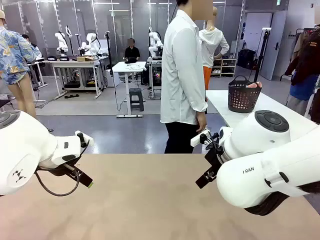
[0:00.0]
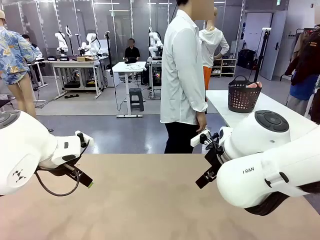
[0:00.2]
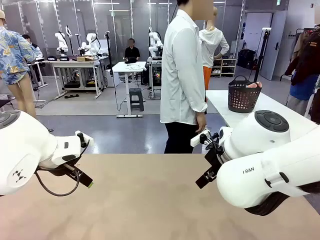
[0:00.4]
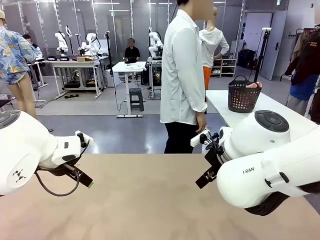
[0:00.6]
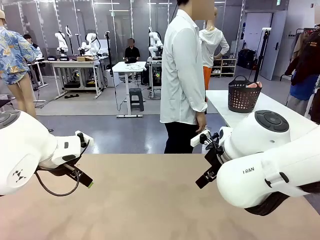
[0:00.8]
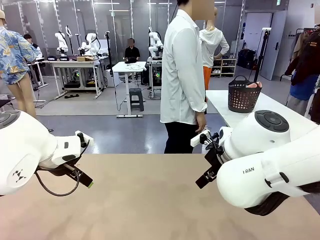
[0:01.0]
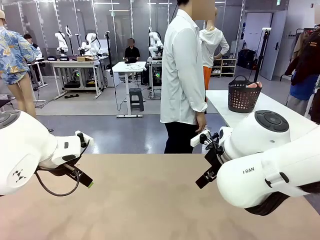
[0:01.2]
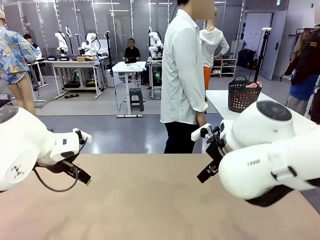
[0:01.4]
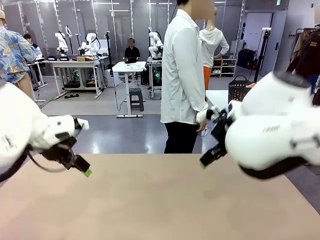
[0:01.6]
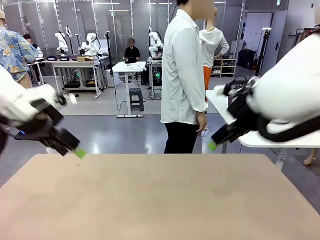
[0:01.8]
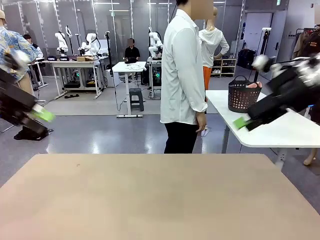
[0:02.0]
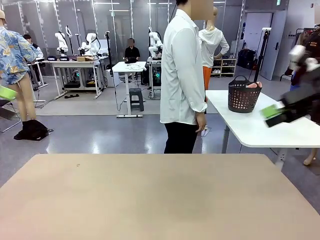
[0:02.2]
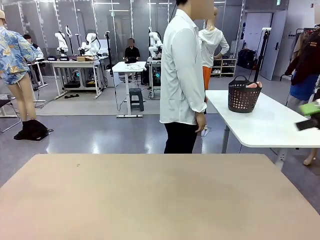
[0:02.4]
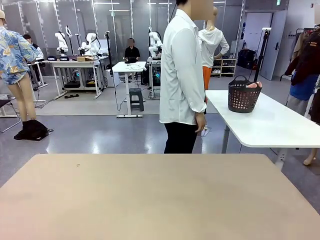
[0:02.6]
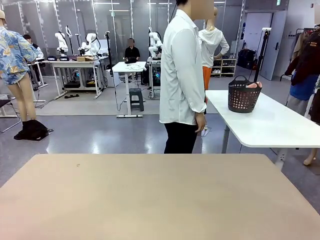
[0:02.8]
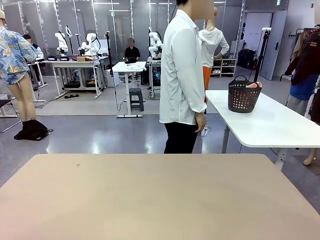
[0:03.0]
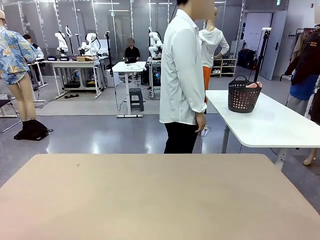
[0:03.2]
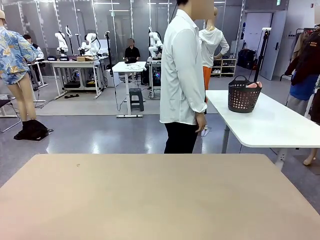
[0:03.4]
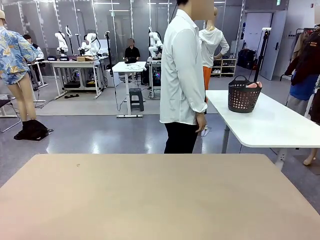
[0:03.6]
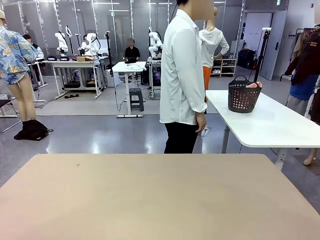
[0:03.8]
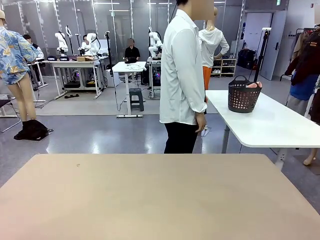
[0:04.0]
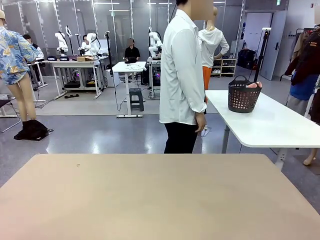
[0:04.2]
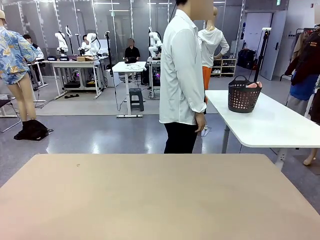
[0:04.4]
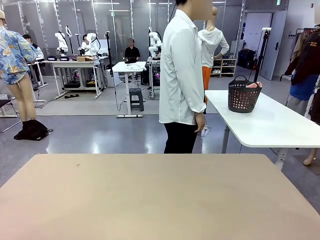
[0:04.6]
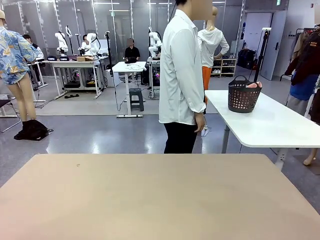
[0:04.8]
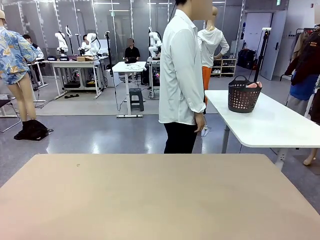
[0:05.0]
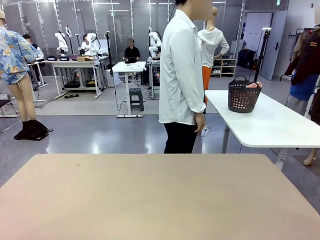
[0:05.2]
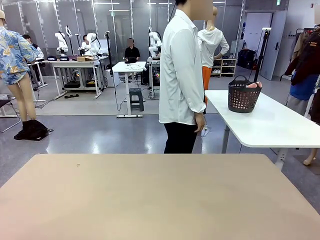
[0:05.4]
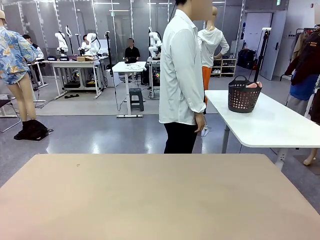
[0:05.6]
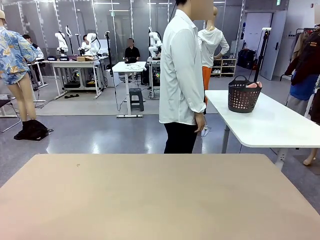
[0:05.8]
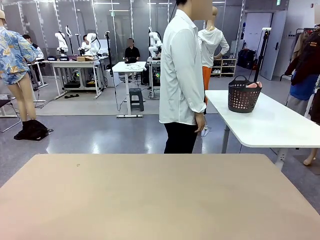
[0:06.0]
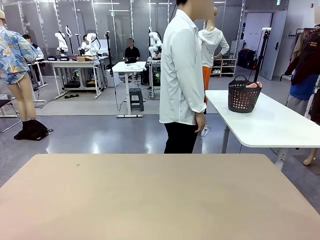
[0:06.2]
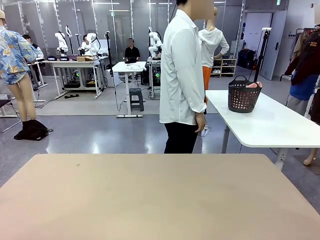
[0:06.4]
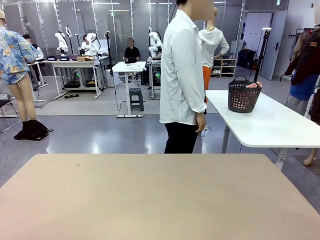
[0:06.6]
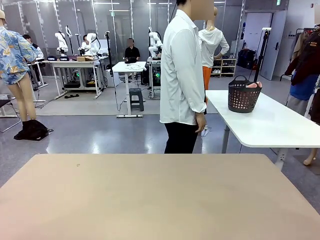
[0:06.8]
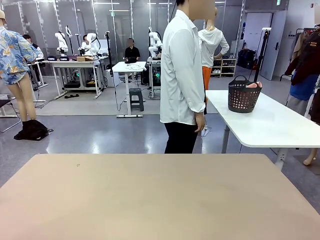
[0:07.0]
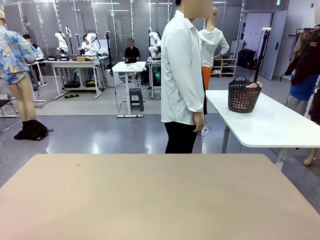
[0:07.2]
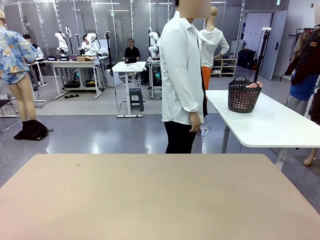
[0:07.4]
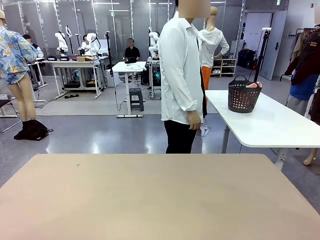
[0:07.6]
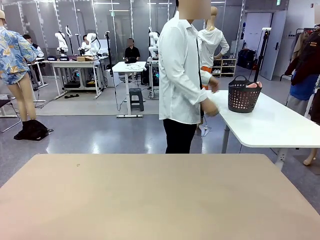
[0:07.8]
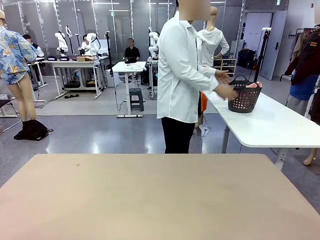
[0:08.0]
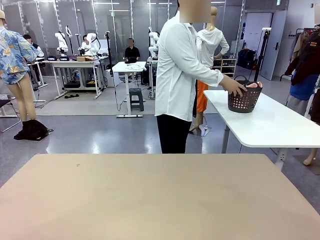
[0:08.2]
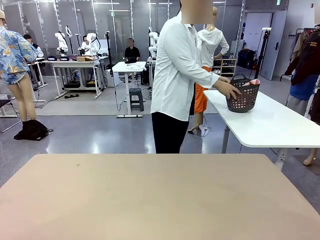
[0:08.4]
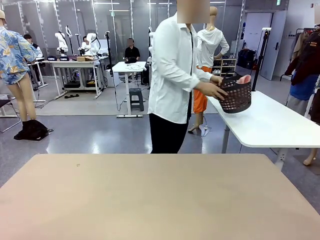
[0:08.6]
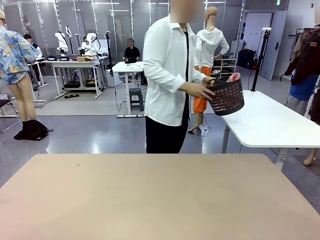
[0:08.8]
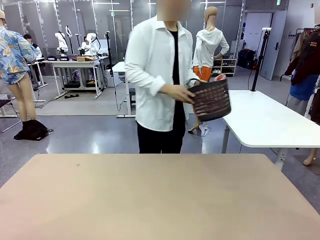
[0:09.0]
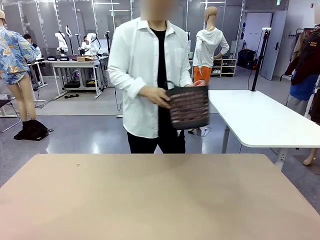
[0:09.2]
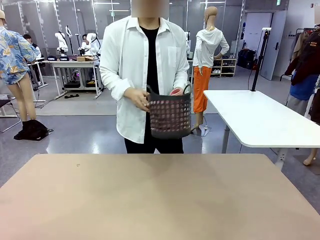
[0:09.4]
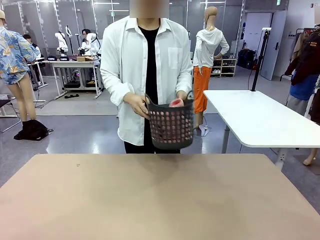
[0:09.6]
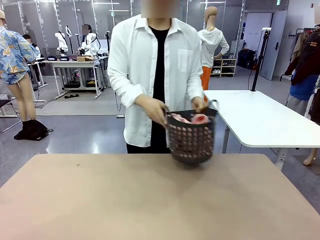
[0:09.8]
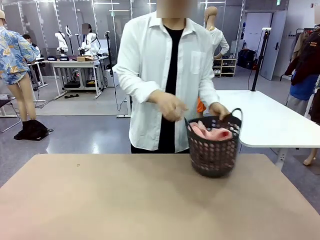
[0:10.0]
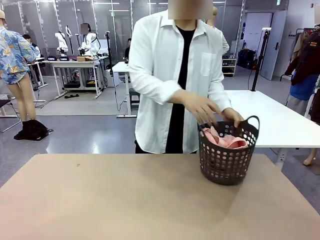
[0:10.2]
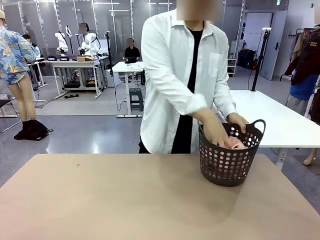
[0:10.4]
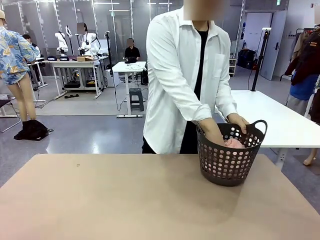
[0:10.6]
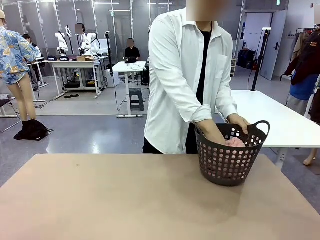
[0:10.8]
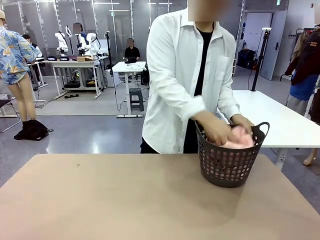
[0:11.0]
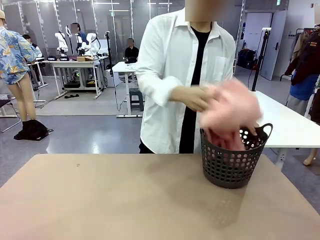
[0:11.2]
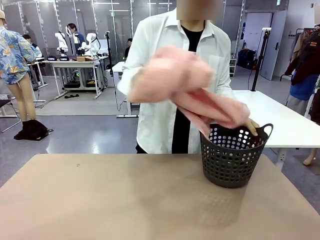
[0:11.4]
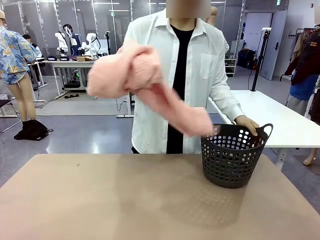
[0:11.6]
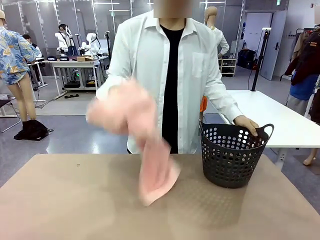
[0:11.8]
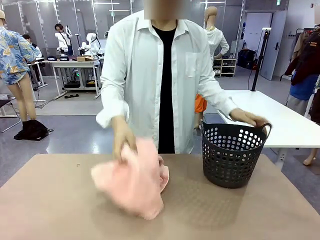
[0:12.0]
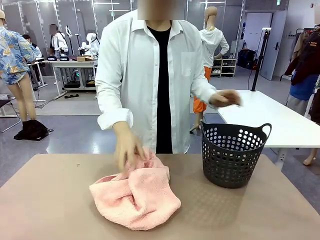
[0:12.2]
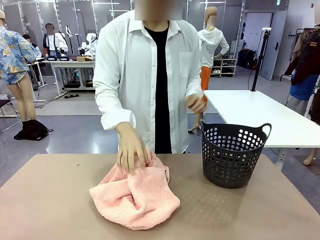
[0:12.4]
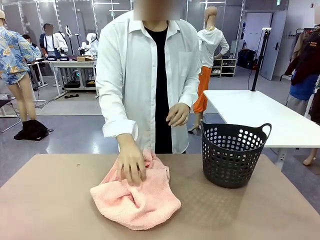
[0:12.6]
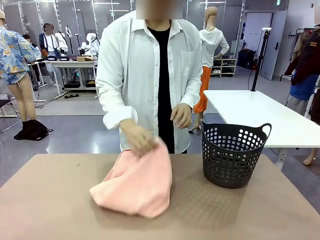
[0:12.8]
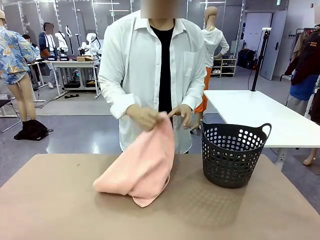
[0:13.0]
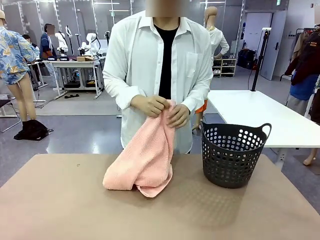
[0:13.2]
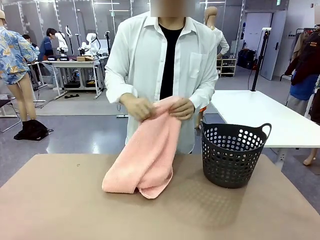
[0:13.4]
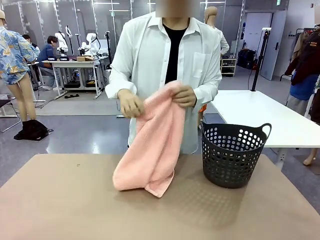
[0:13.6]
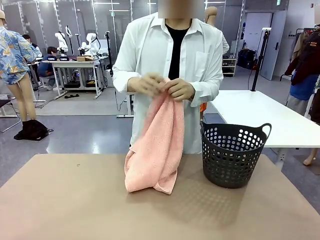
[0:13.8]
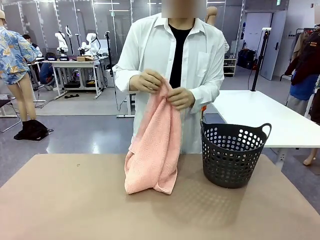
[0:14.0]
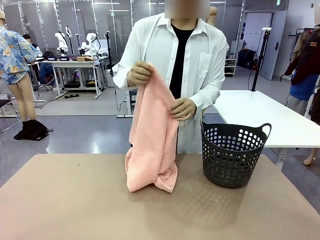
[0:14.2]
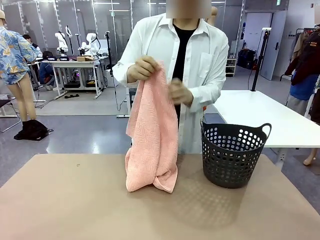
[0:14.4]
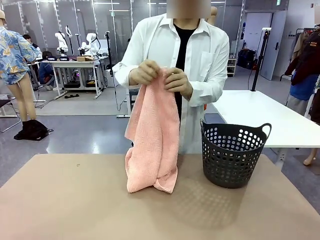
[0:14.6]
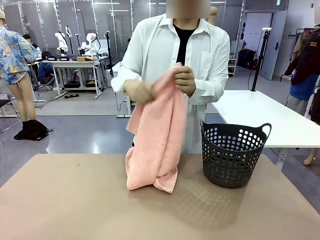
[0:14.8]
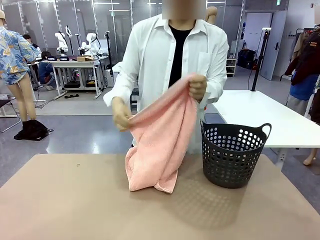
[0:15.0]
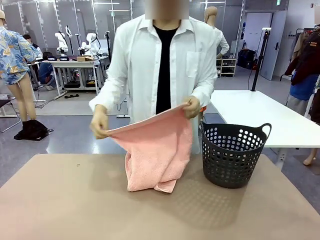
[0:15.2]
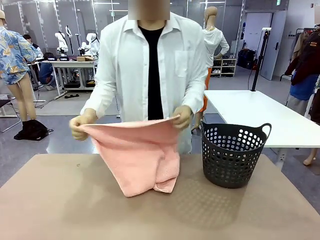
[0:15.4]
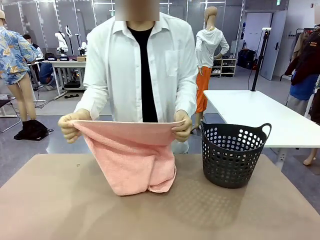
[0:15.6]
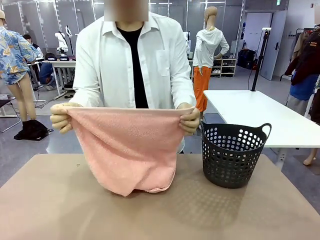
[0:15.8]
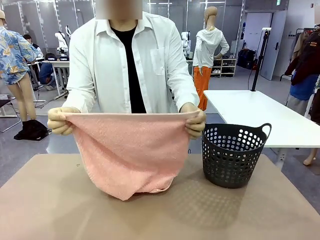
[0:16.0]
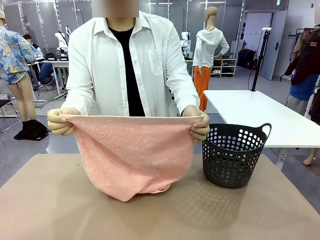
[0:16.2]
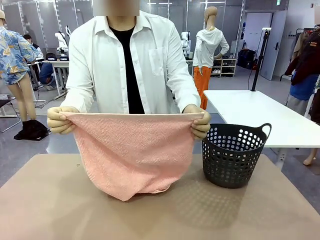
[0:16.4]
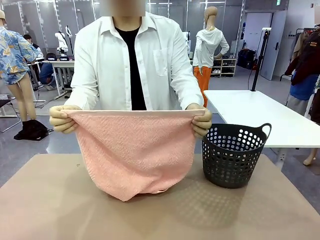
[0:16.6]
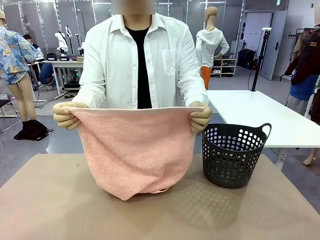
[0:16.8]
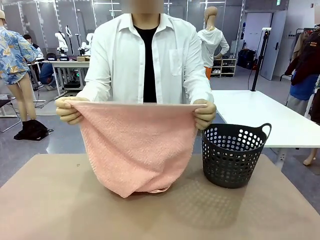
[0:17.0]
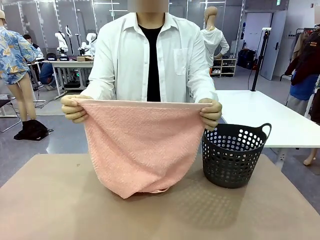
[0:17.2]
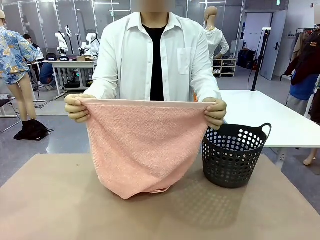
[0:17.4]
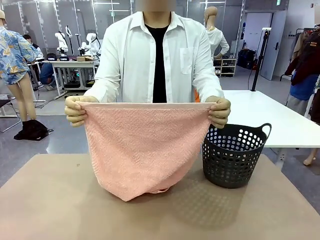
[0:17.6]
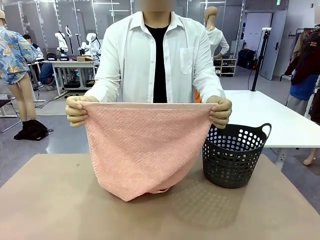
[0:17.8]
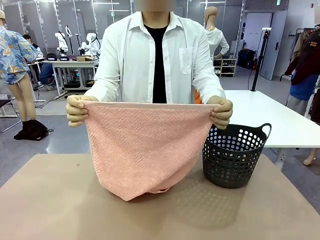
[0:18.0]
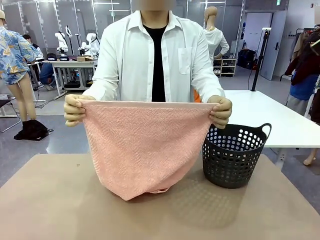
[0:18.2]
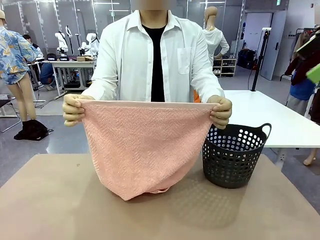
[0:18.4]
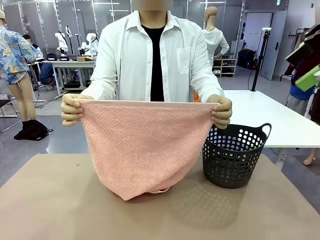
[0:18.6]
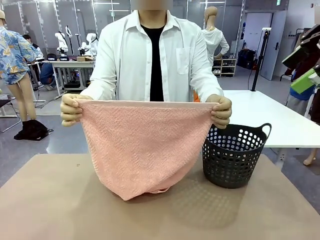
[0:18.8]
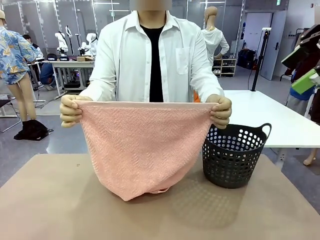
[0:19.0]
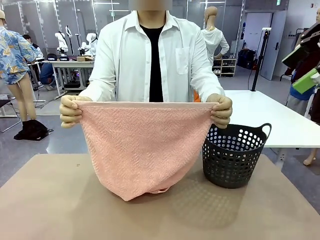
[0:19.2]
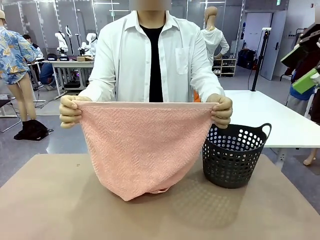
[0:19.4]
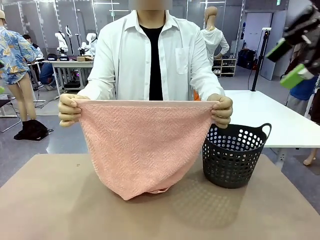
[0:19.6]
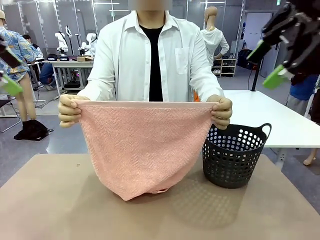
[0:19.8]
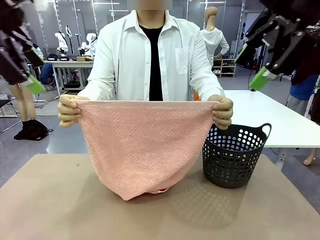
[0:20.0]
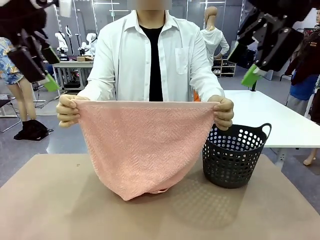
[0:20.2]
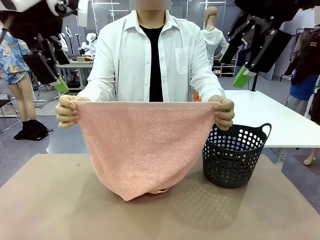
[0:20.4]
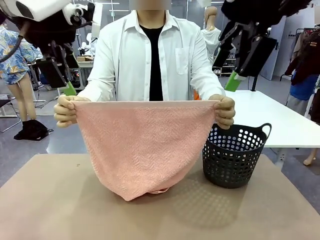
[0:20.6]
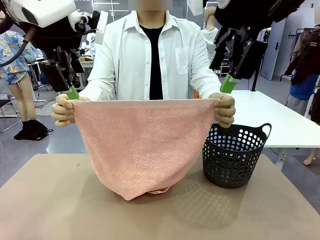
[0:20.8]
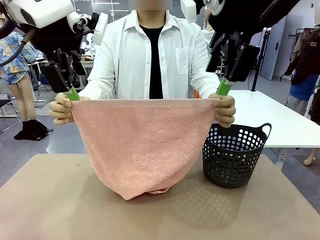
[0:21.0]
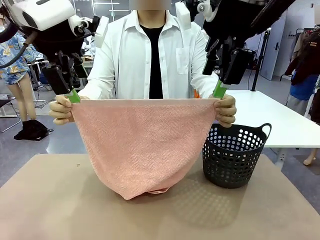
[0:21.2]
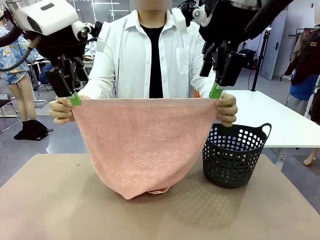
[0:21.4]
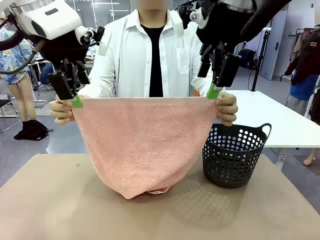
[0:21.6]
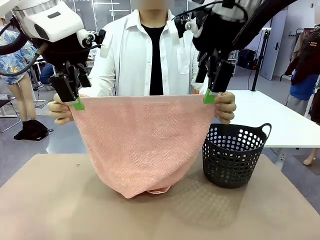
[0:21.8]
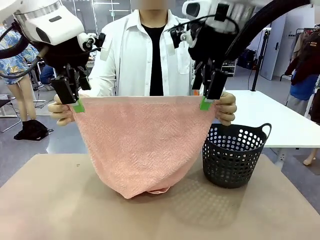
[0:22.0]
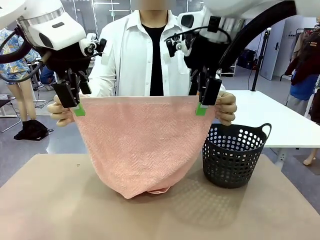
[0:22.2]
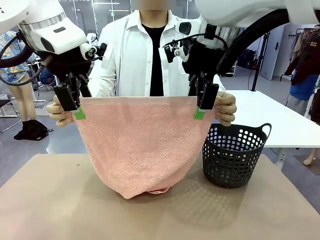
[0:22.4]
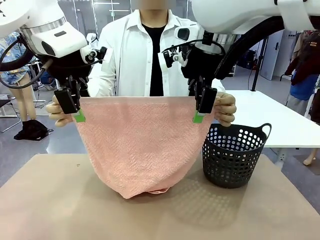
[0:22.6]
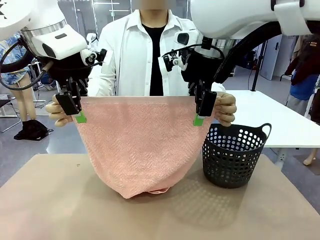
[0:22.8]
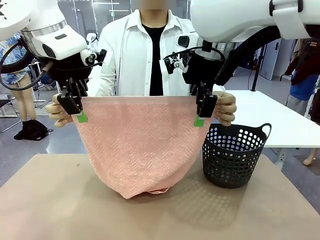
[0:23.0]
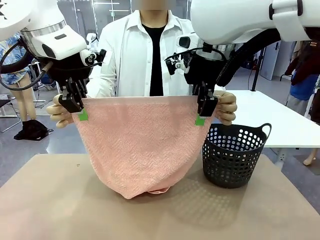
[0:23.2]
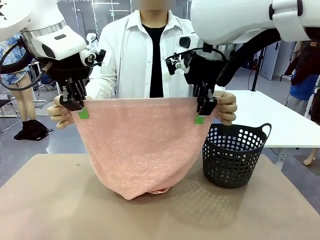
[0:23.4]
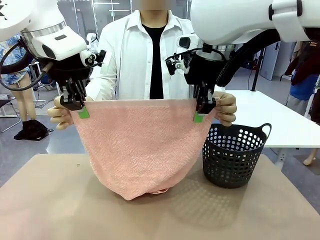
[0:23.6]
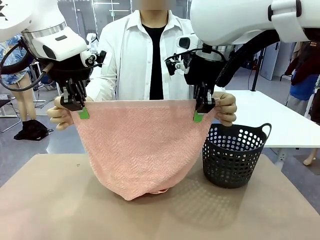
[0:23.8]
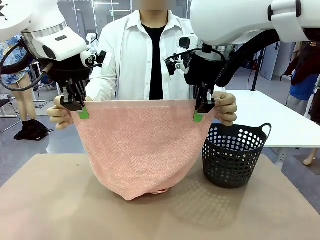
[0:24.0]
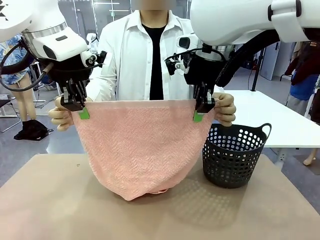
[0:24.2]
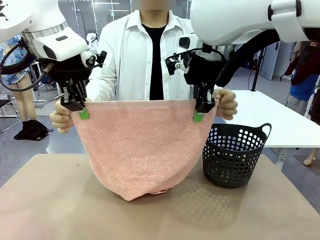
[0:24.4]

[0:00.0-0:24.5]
Task: Fold the towel.
Robot: Grab the top end of the 100 cm Hotel Towel extended by the human.
Person: Pick up the laundry basket, place it on the left side of the robot table, then take out a towel and hand it to the robot while holding both corners of one end.
